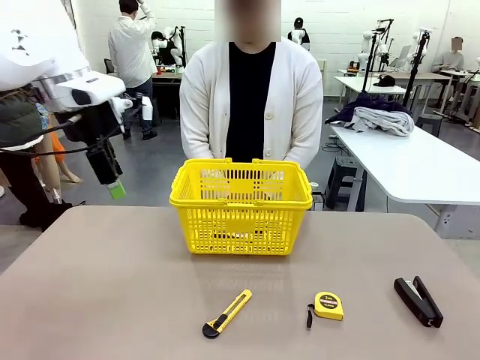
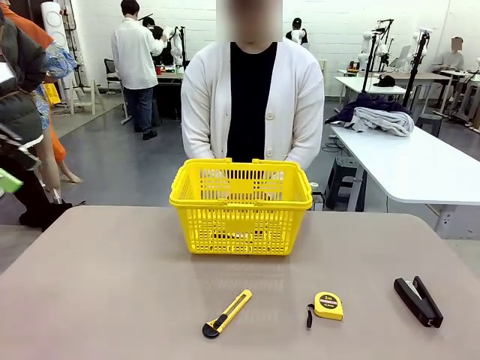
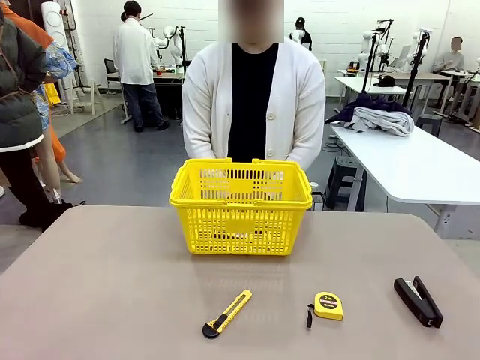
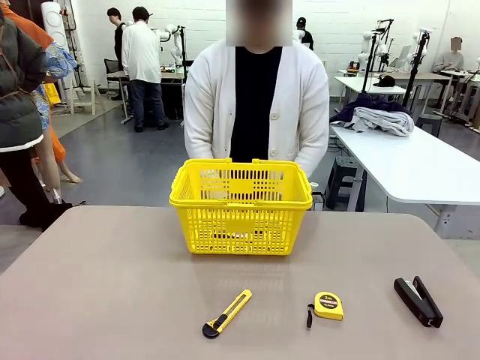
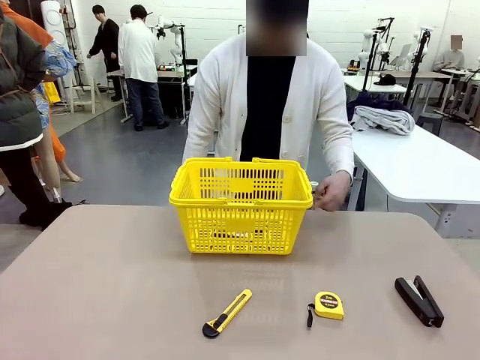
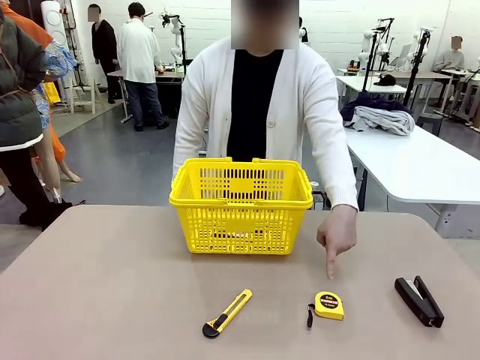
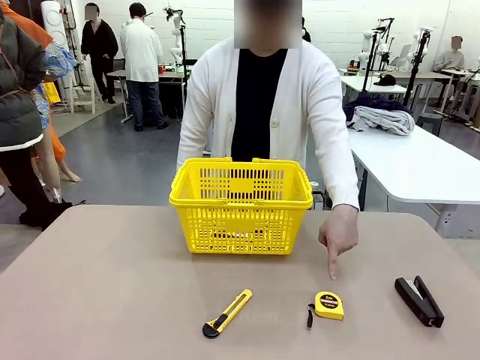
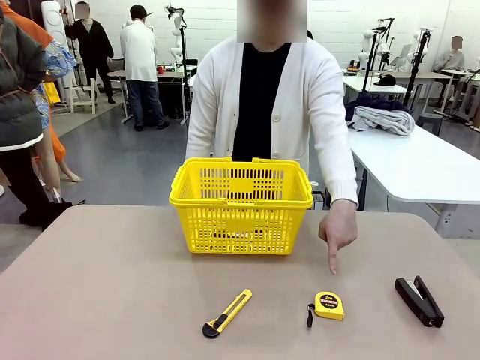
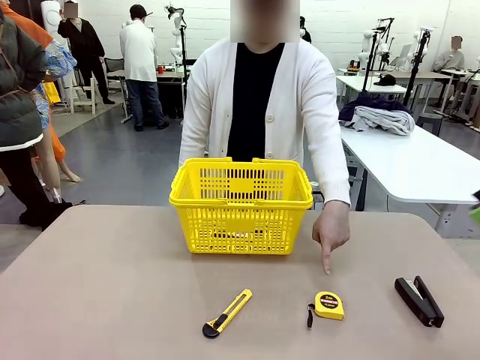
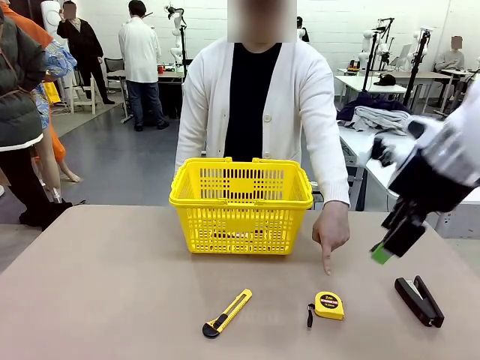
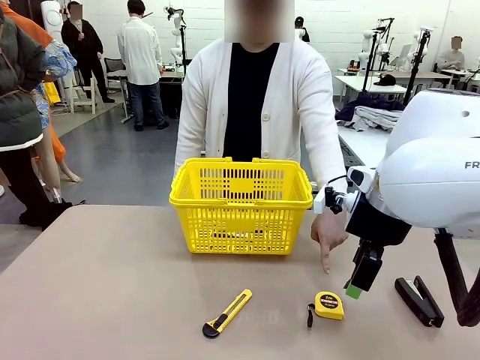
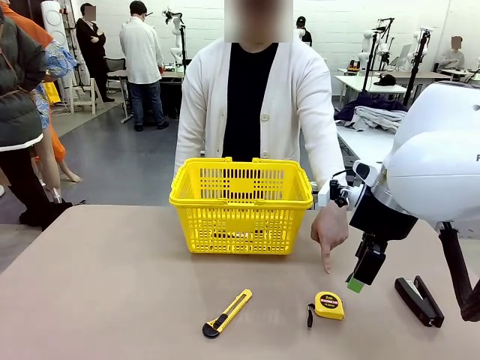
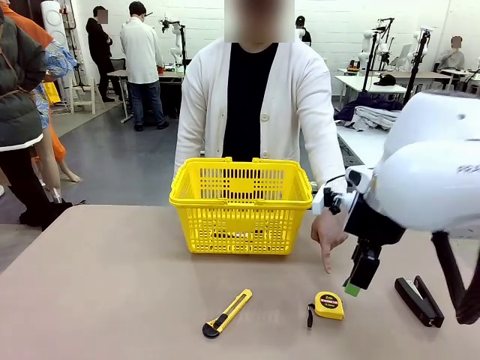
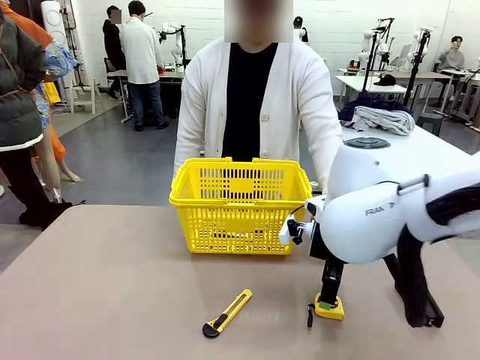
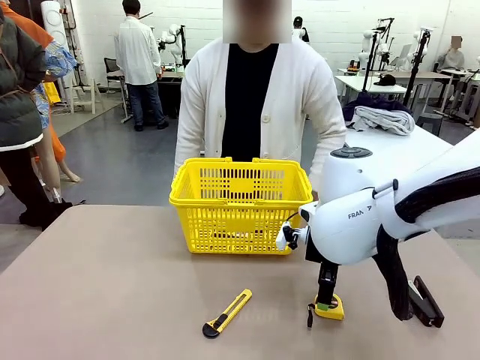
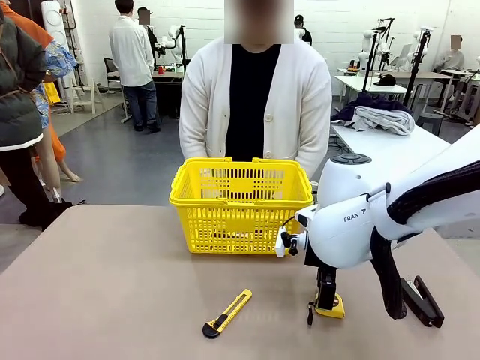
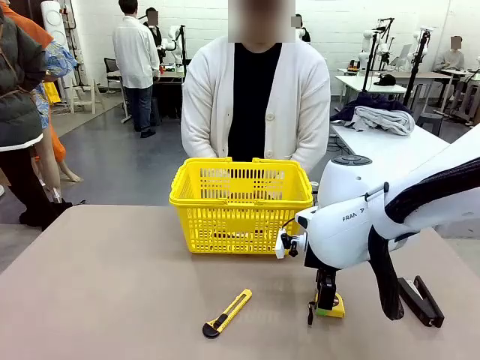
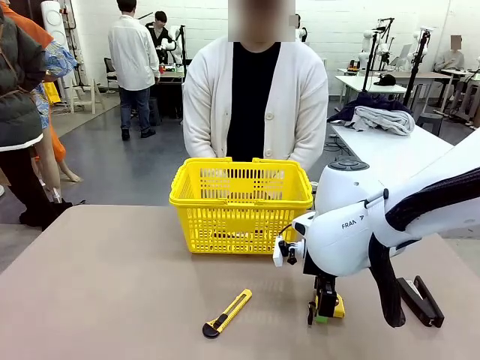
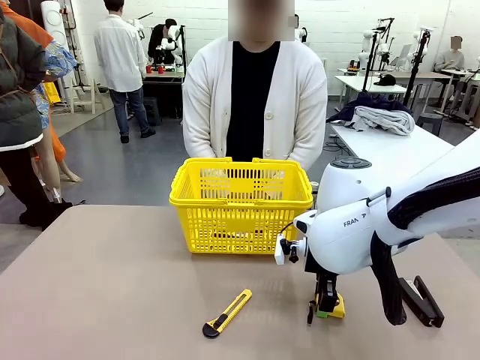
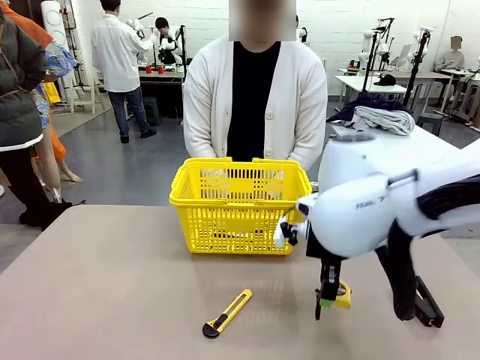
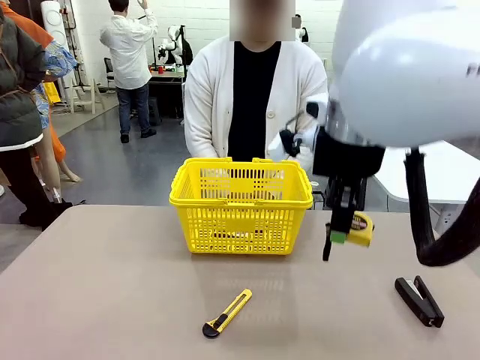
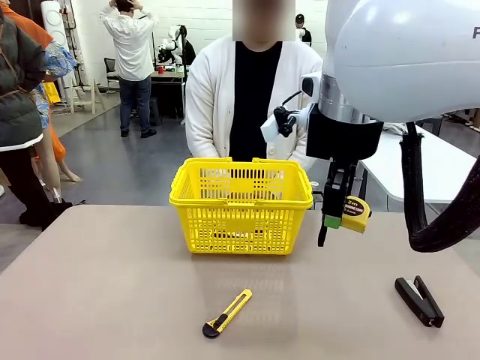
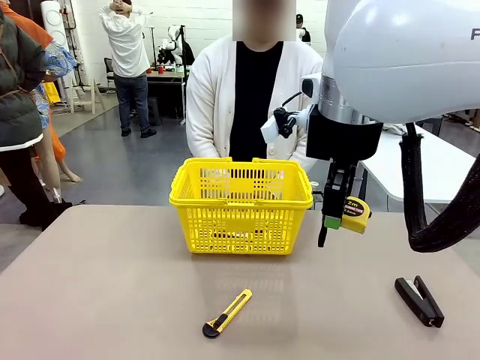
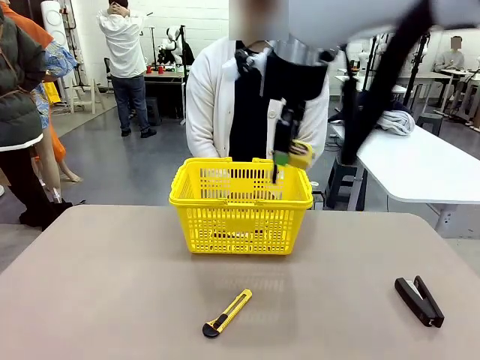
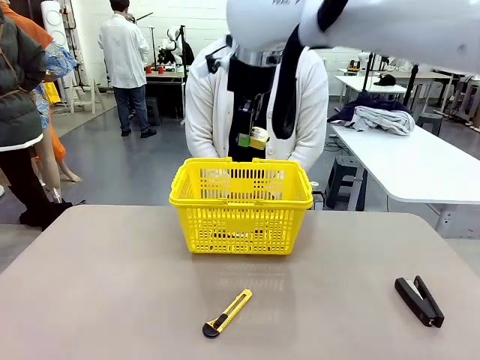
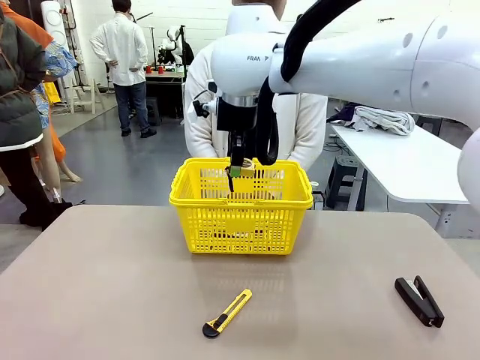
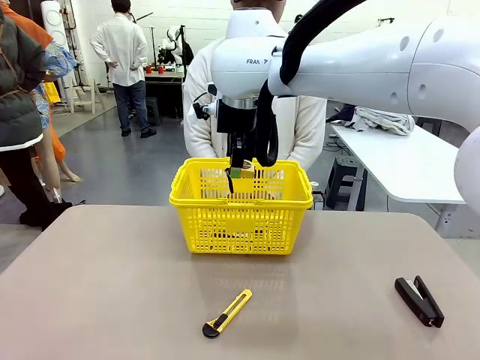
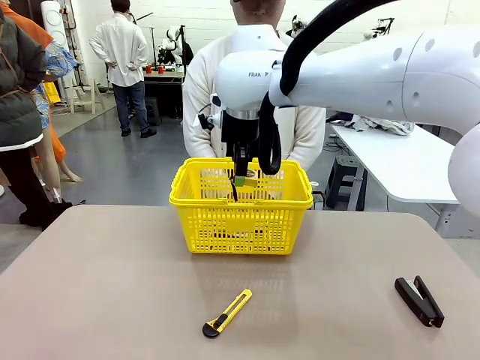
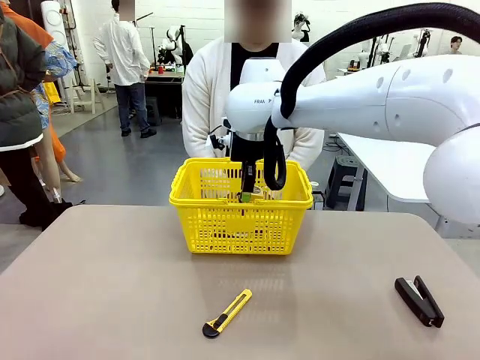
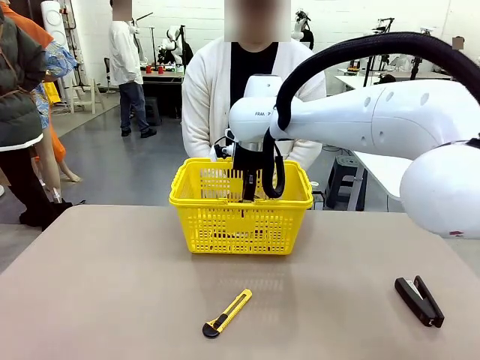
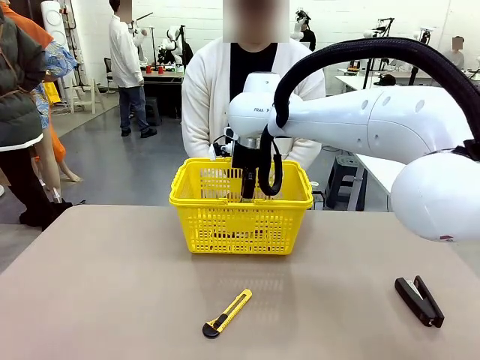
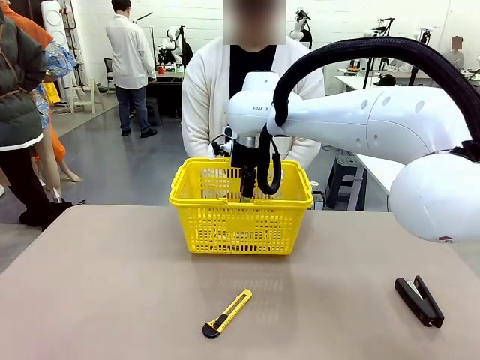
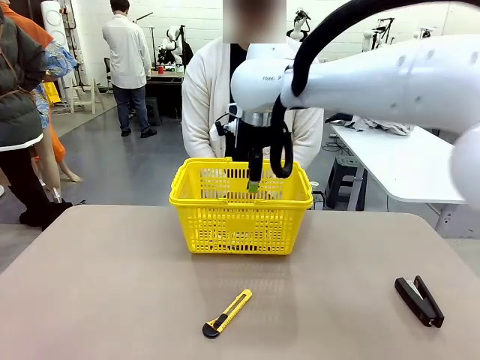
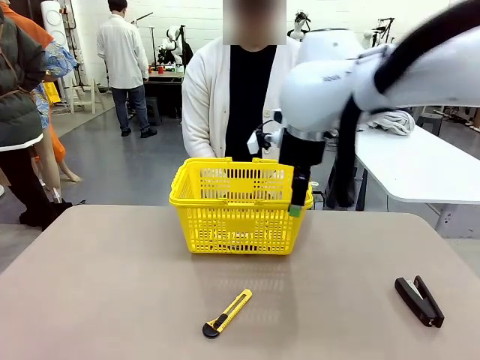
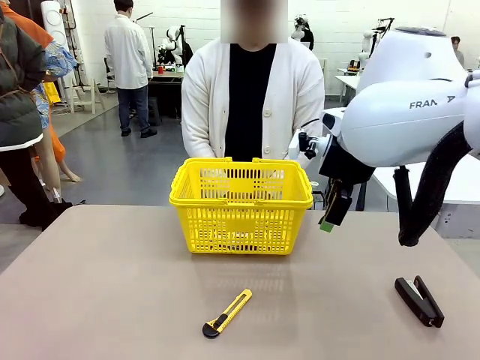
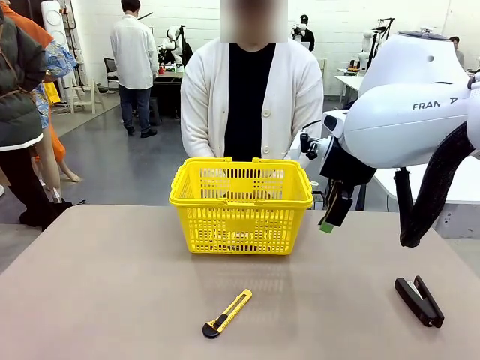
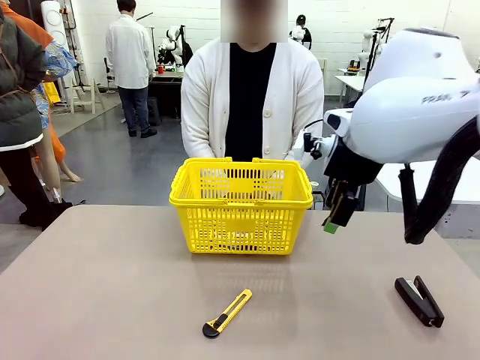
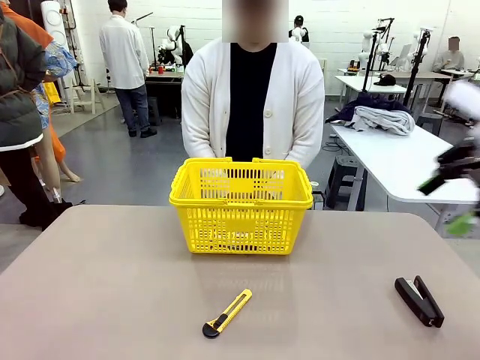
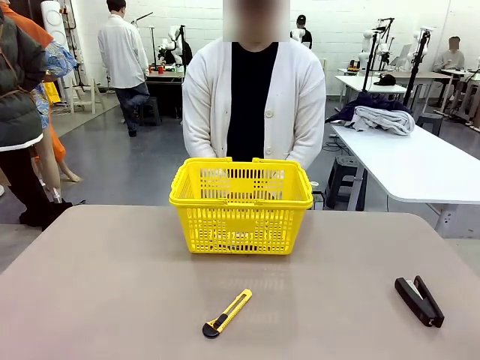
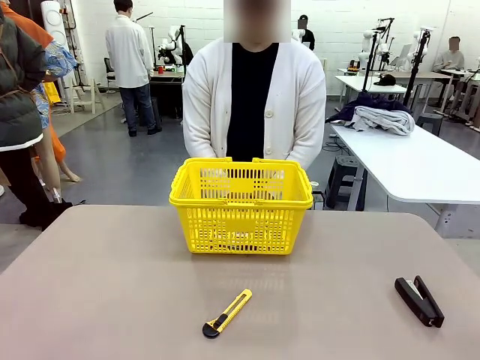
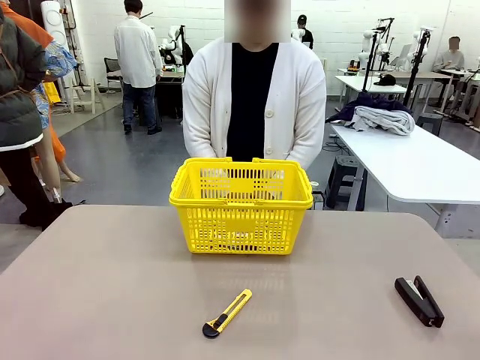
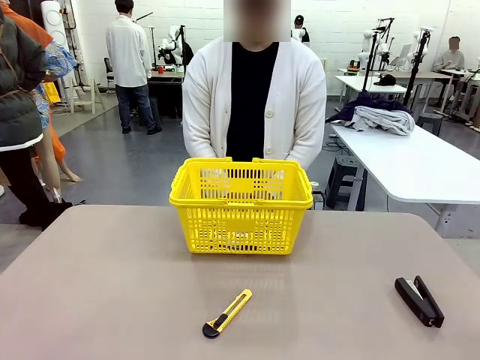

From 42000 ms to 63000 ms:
Task: Place the items the person wants into the basket.
Robot: Pick up the item the person points to and place it in the Market Basket.

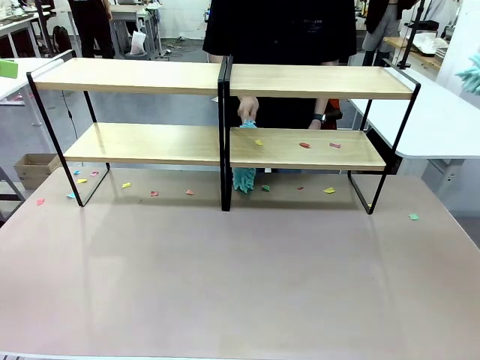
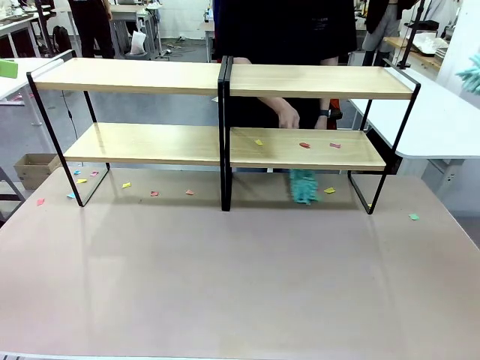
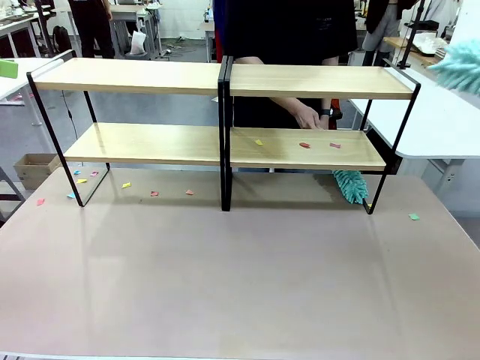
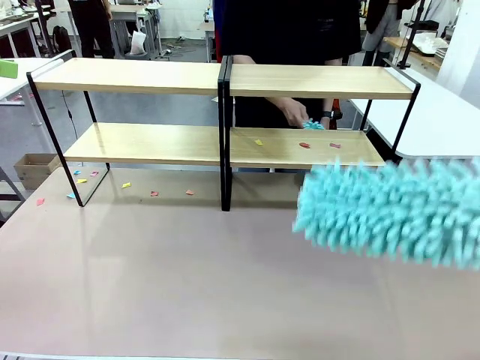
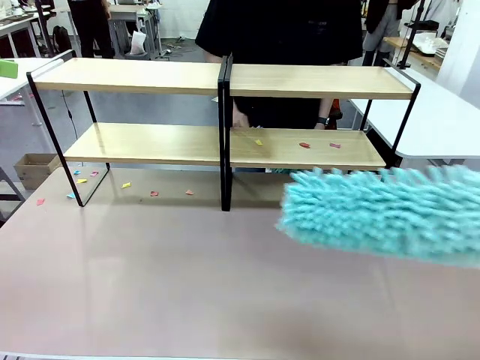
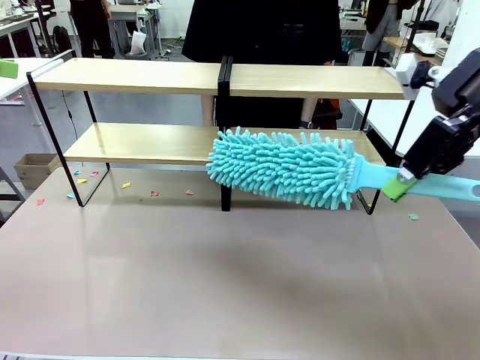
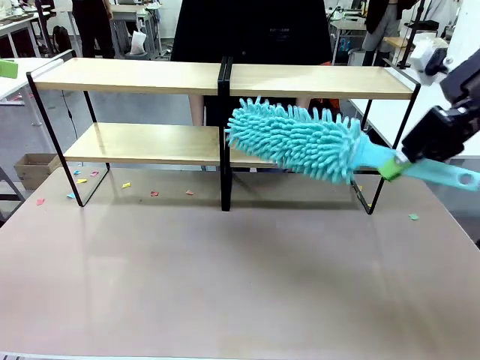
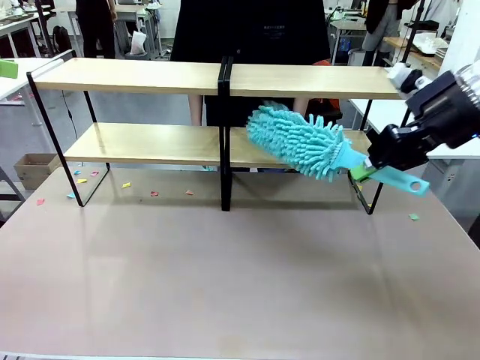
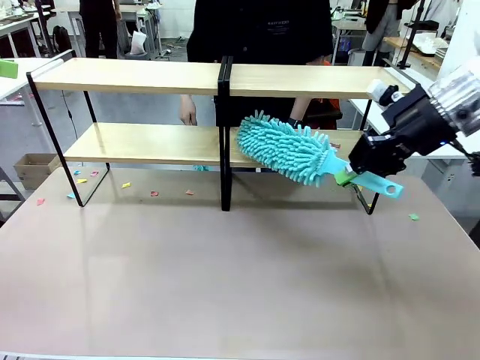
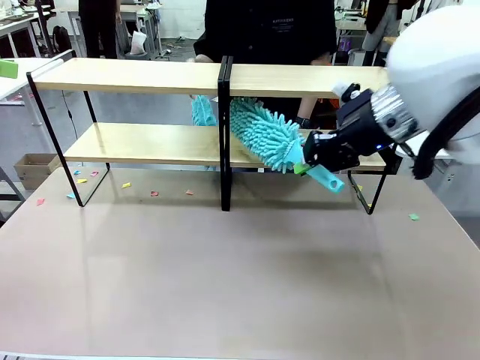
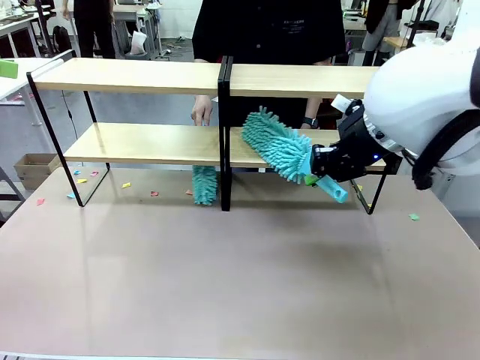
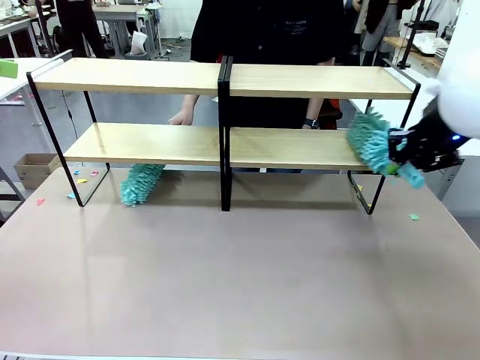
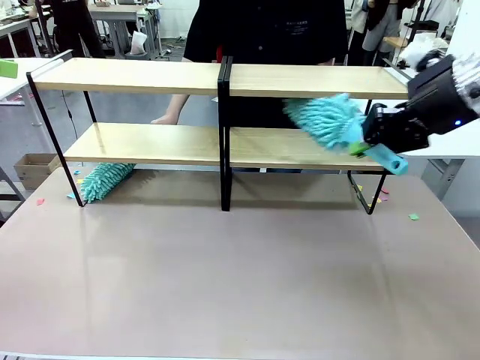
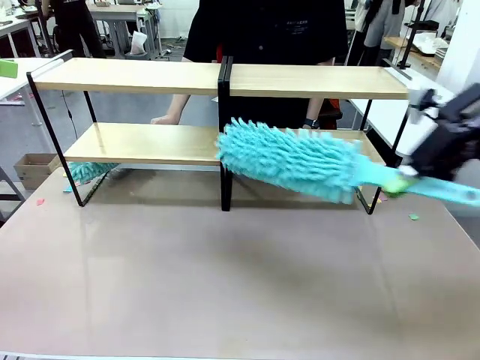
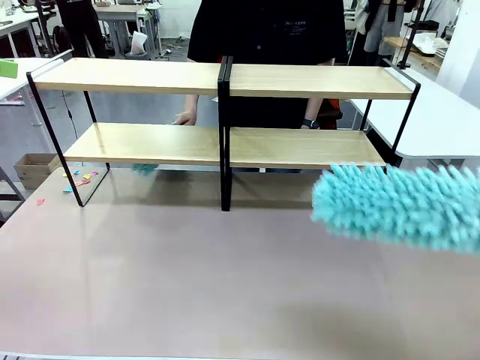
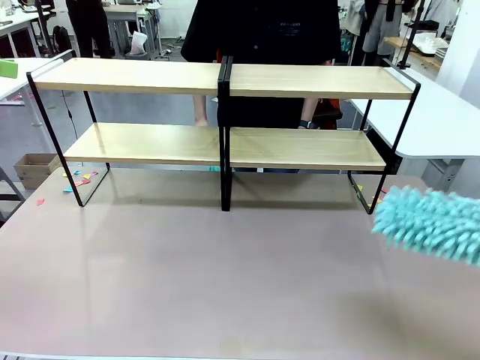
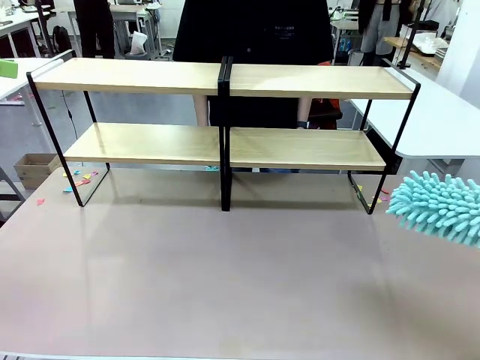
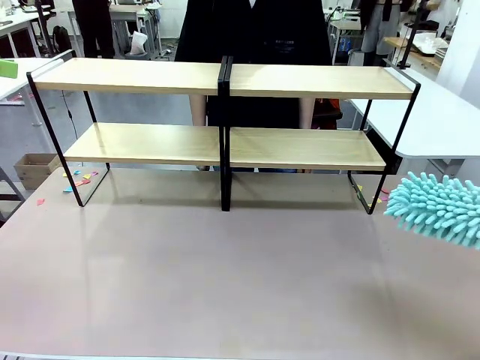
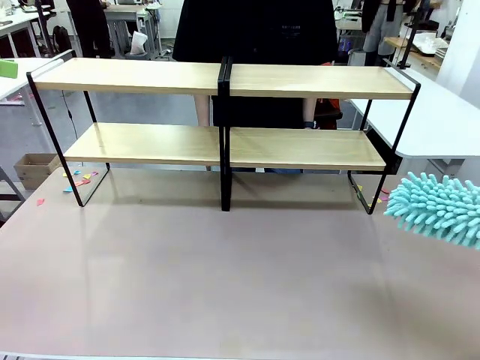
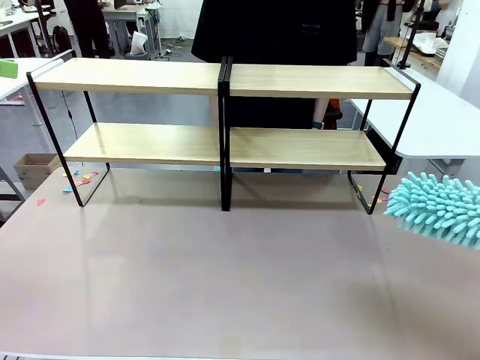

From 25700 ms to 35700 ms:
Task: Clean the shelves.
Robot: Clean another randomly selected level of the Shelf with the Duster.
